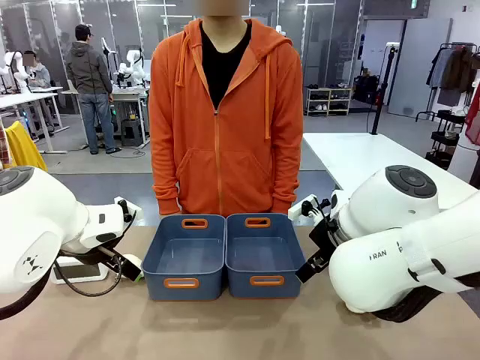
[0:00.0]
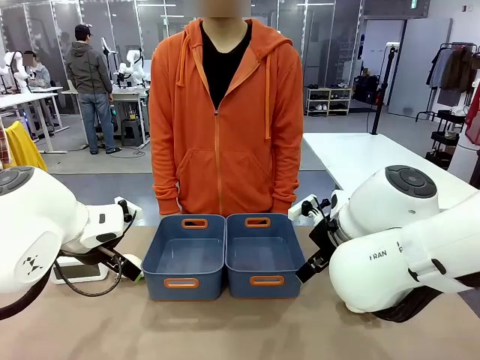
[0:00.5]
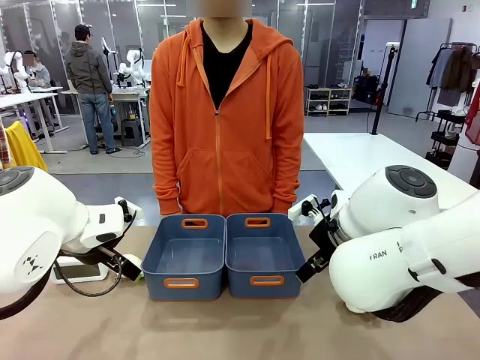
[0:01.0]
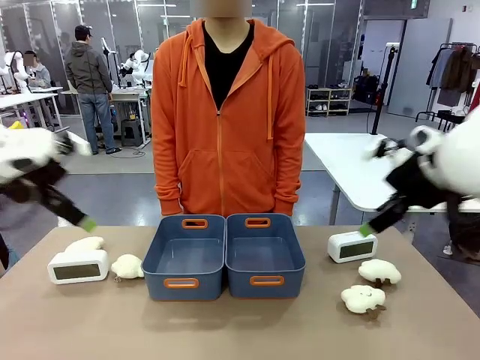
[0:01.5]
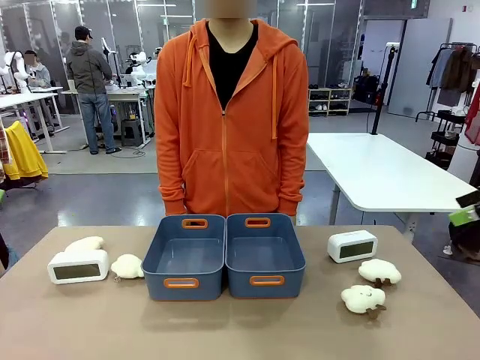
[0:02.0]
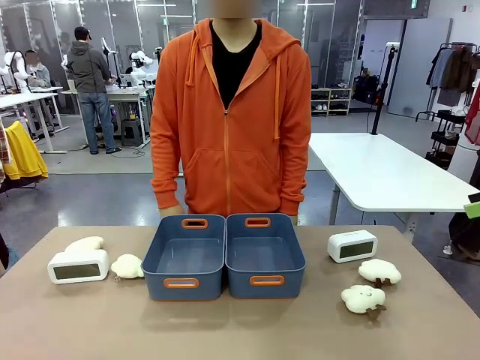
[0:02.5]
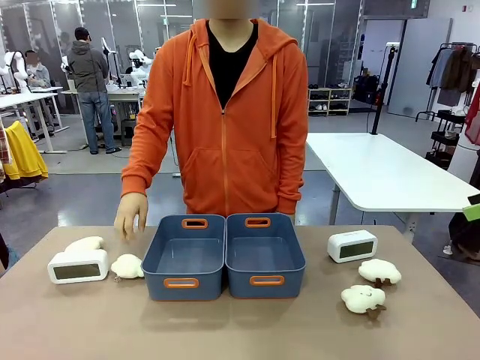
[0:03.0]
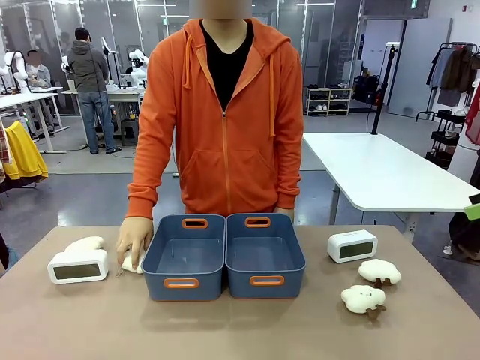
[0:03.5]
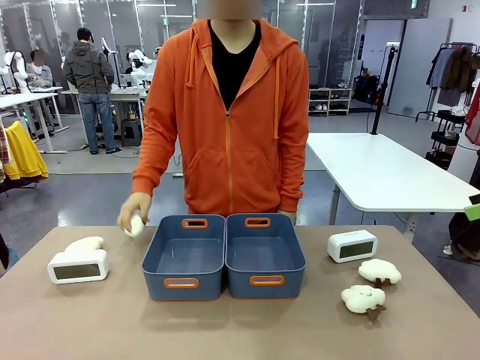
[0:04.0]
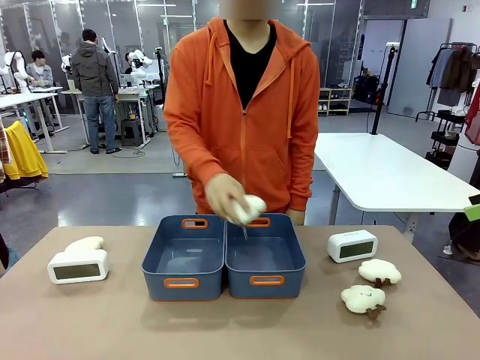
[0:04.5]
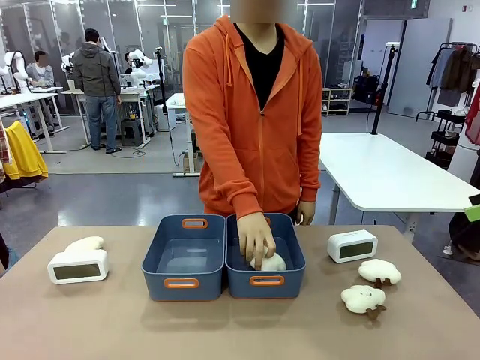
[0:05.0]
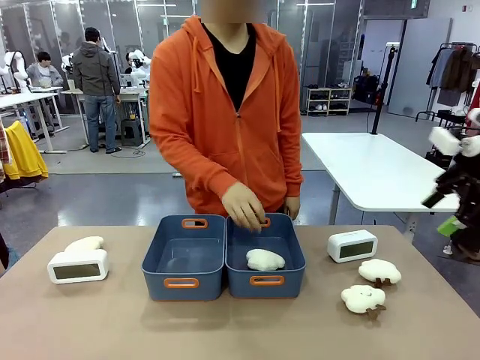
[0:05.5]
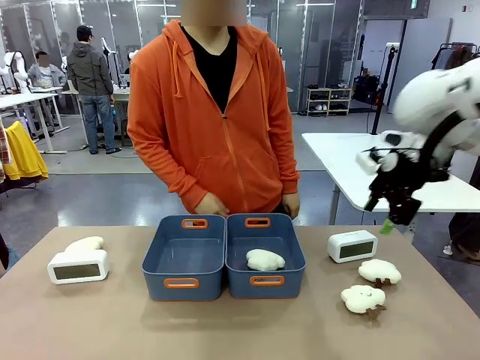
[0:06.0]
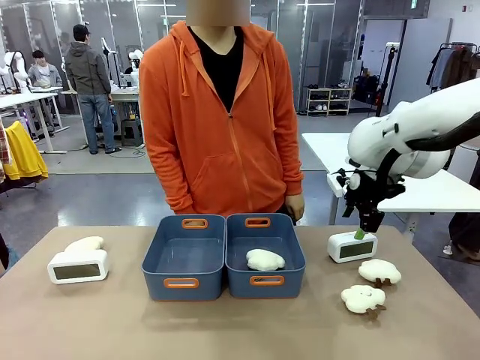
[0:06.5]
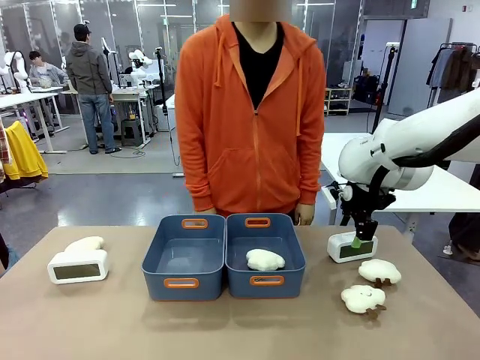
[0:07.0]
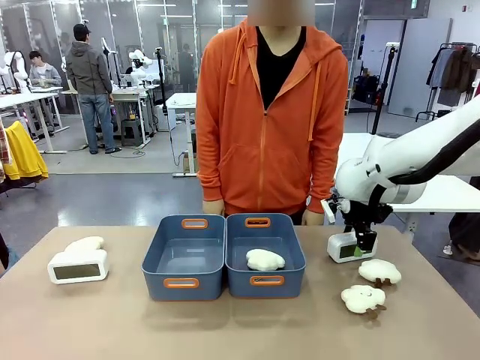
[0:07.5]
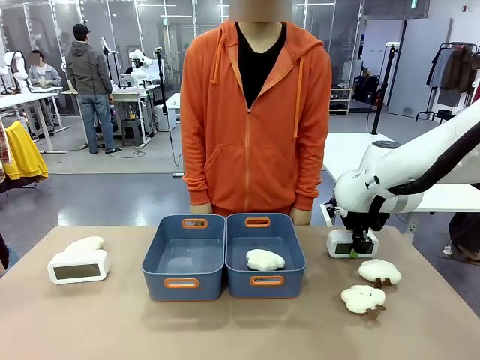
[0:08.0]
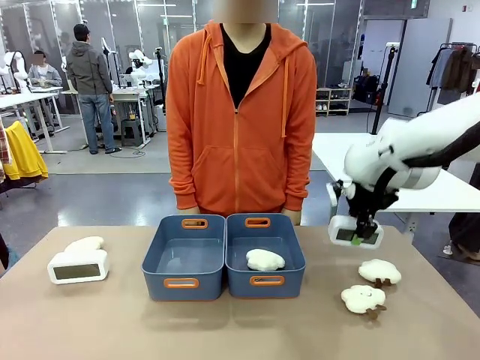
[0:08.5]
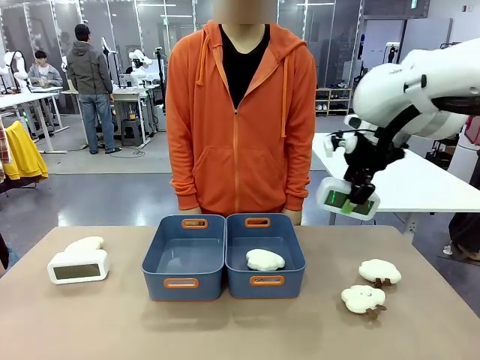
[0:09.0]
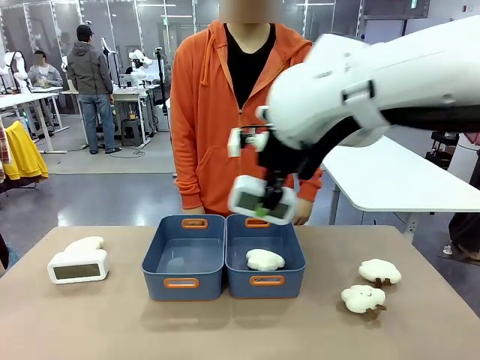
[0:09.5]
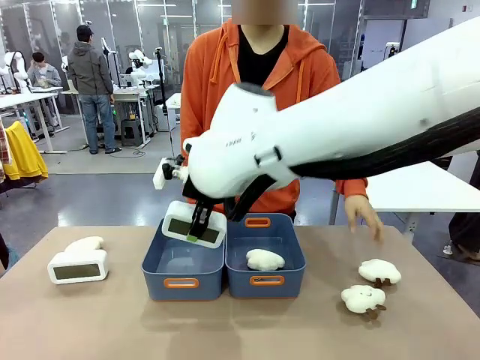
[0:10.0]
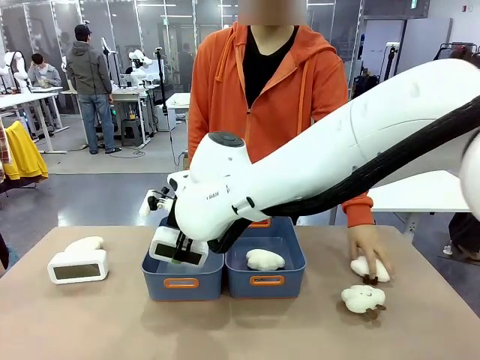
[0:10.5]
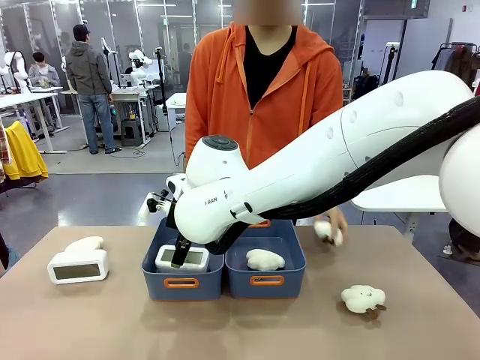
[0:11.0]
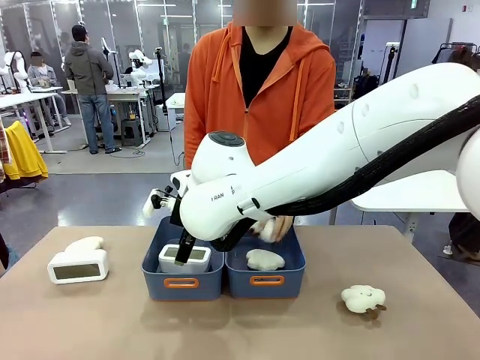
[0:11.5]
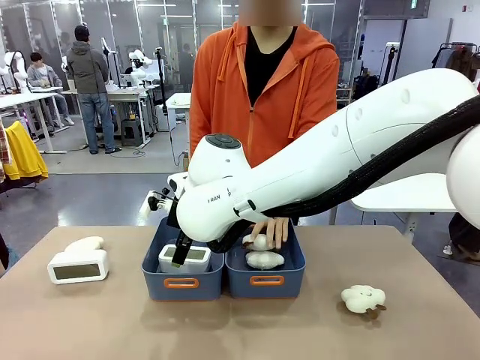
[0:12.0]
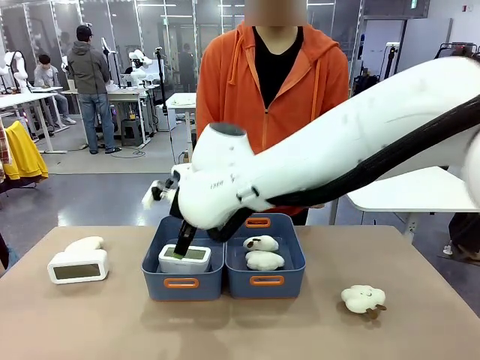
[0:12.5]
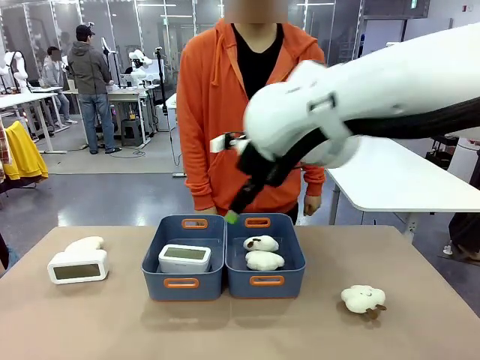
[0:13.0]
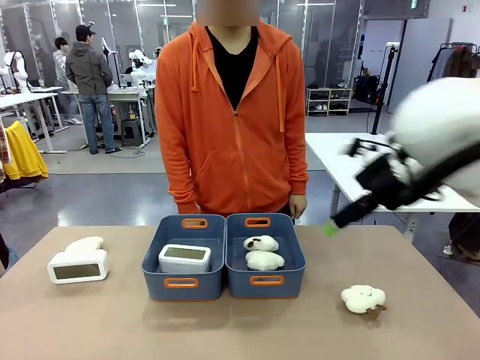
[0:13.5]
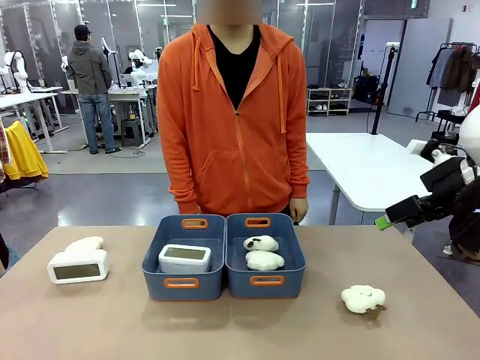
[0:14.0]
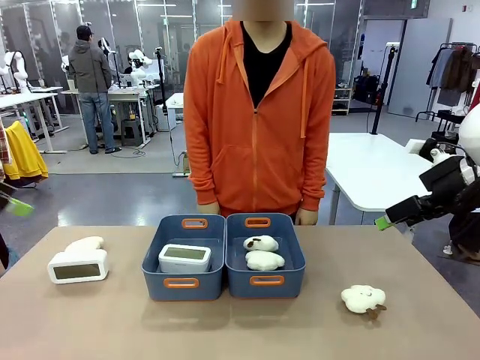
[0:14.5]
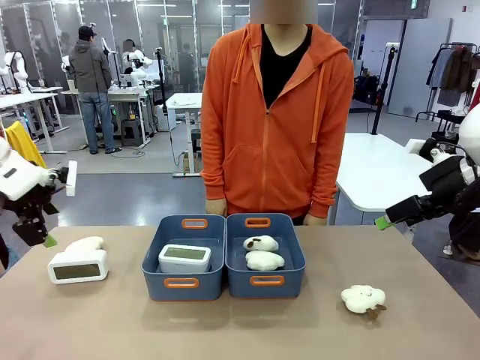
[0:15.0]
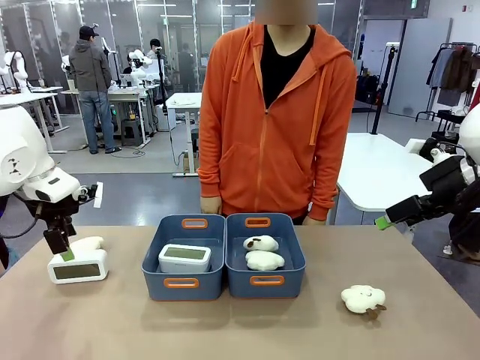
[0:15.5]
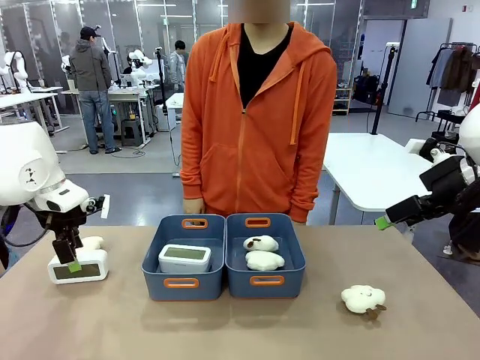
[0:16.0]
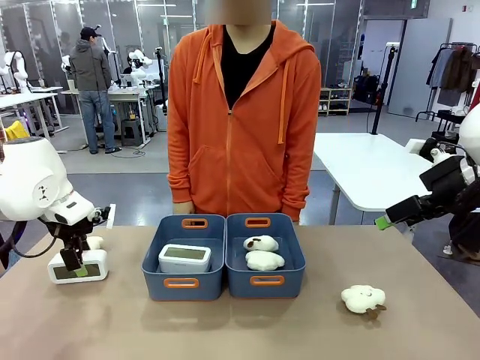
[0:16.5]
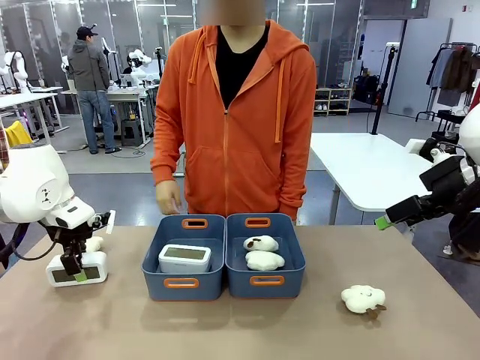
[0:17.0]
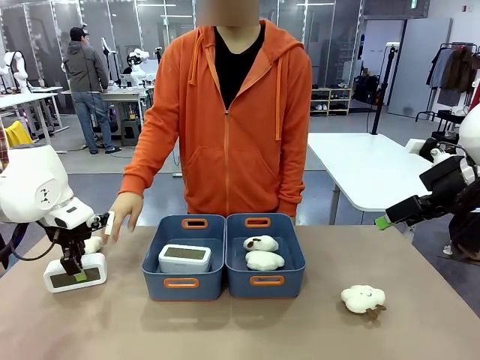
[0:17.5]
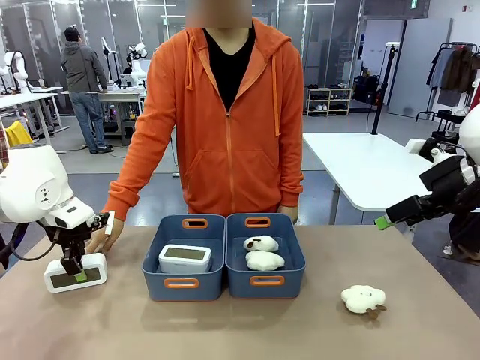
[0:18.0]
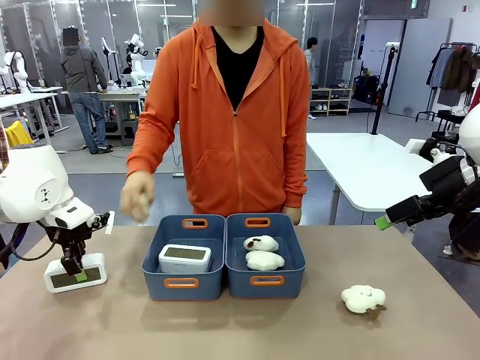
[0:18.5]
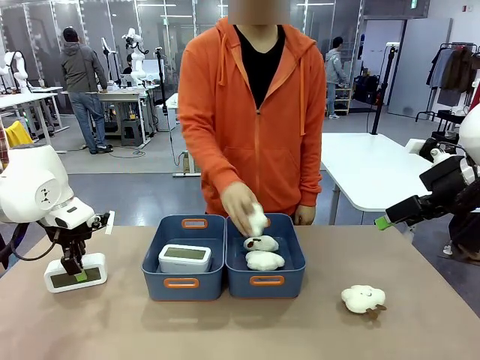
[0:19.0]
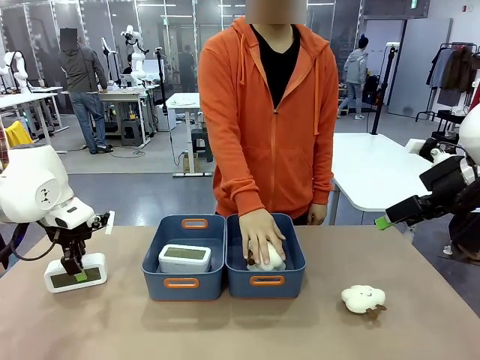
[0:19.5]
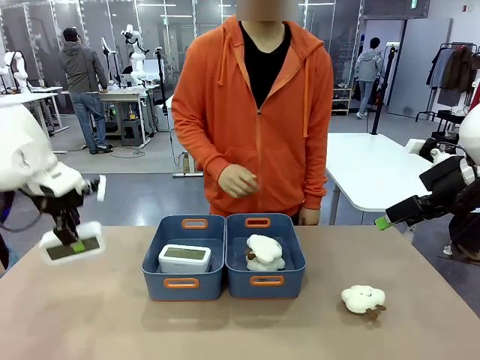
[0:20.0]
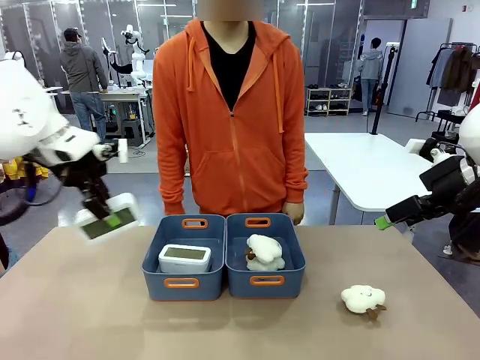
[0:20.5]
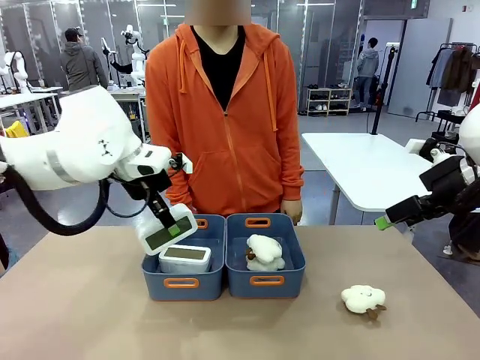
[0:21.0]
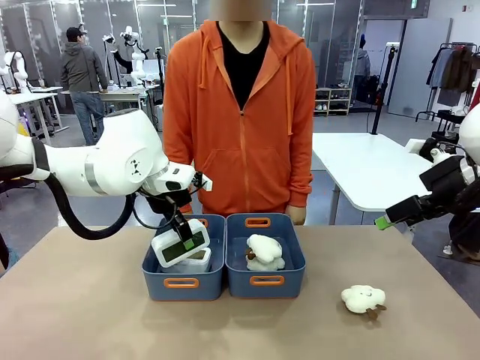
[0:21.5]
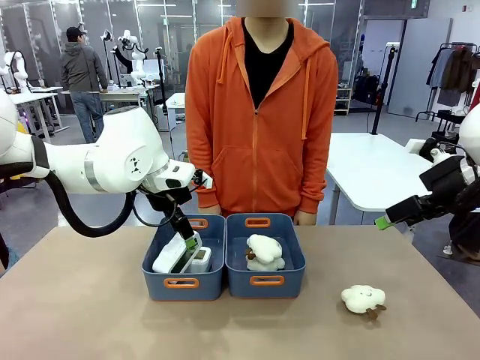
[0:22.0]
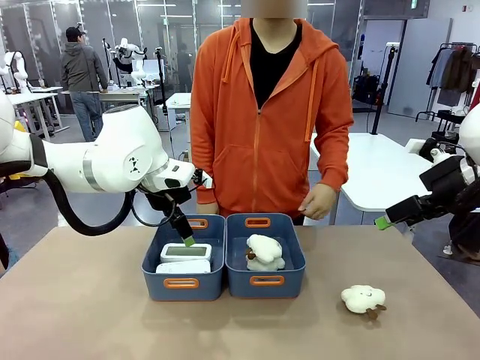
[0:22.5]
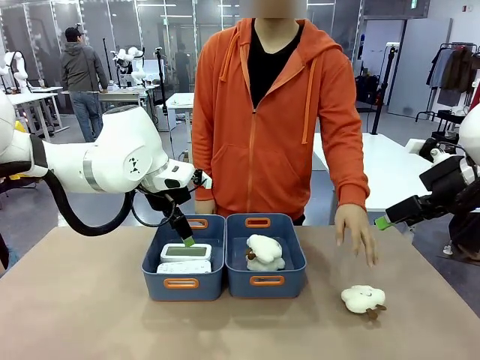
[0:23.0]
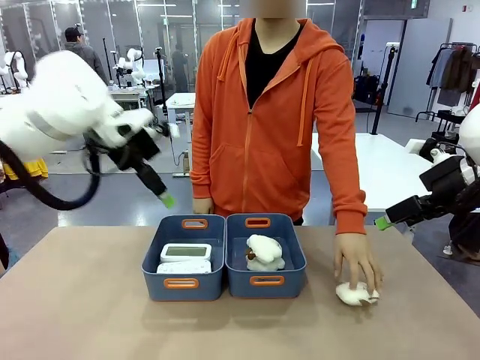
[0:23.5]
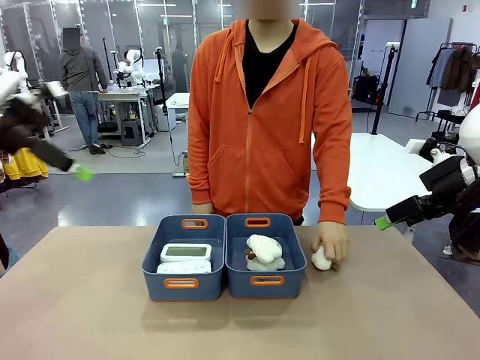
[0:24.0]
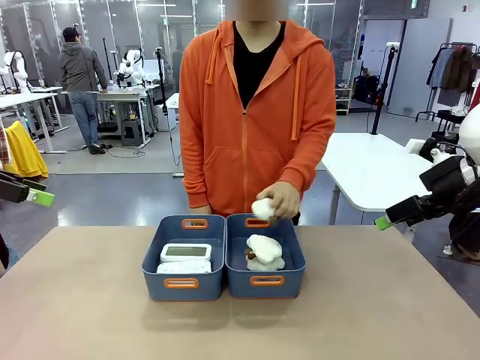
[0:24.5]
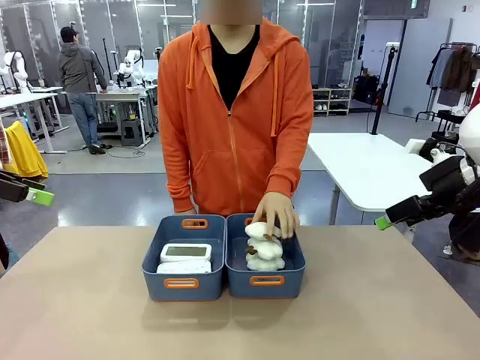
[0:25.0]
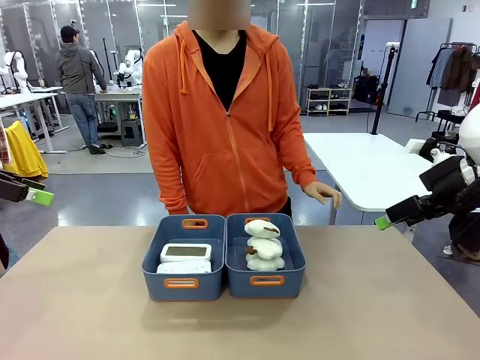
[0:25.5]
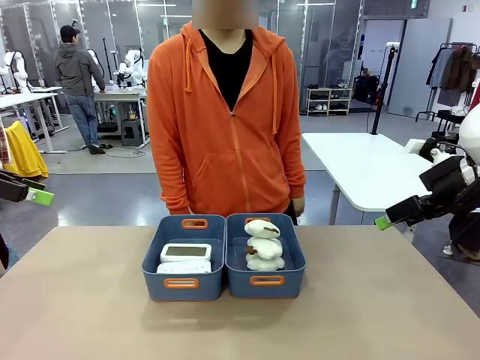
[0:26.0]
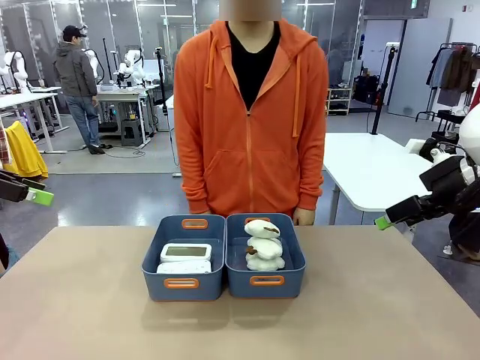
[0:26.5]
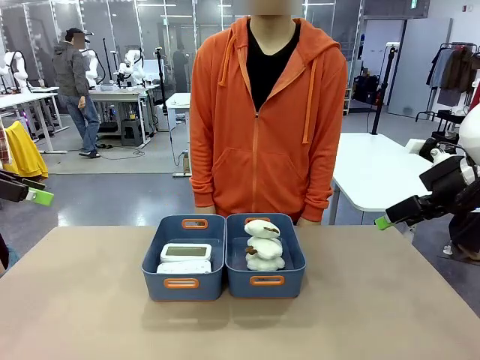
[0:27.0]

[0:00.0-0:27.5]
Task: Sort the digital clocks into the basket.
Robot: Pick up the Digital clock from the table and place it into the empty Plastic storage basket.
Person: Pick up a plush toy from the table and place it in a plastic storage basket. Pick up a plush toy from the table and place it in the plastic storage basket containing the plush toy.
